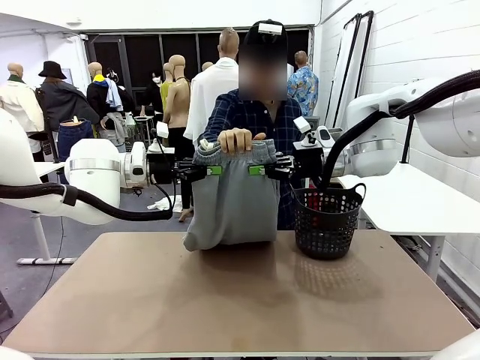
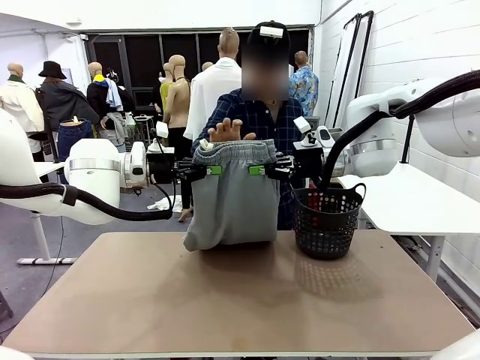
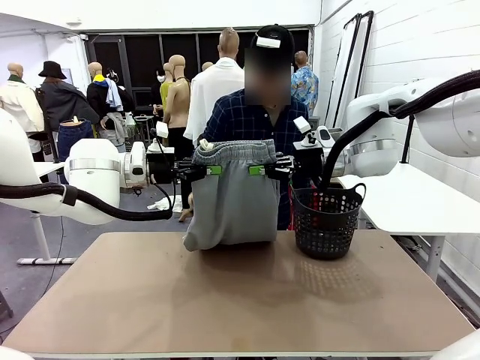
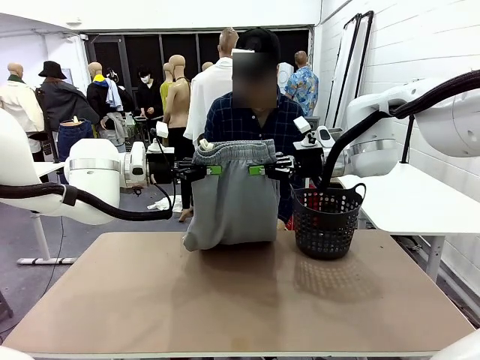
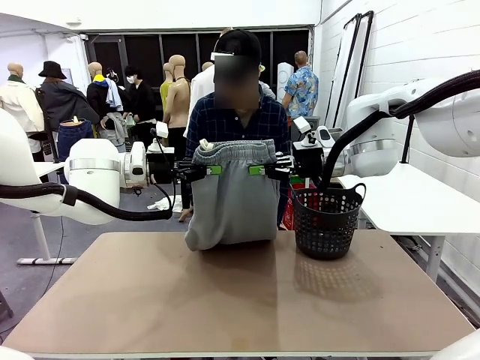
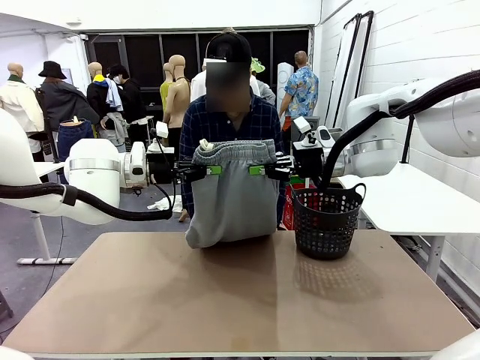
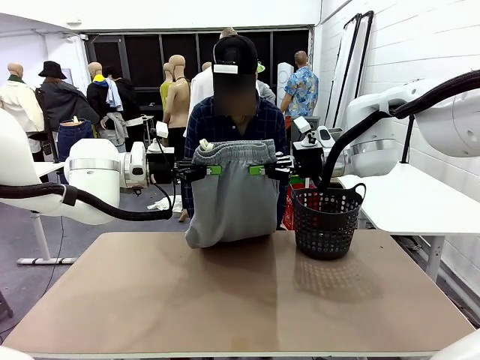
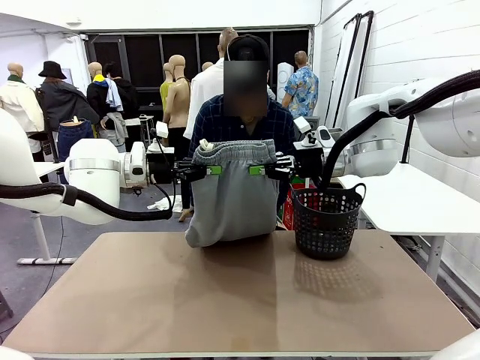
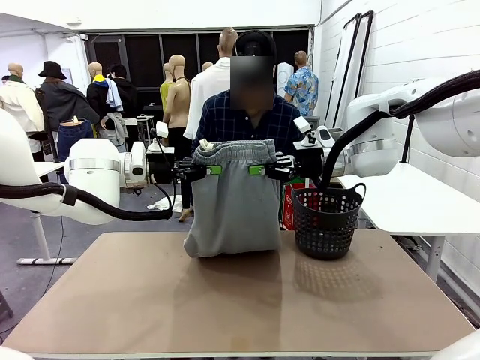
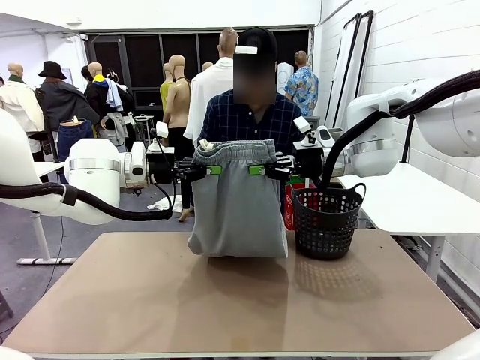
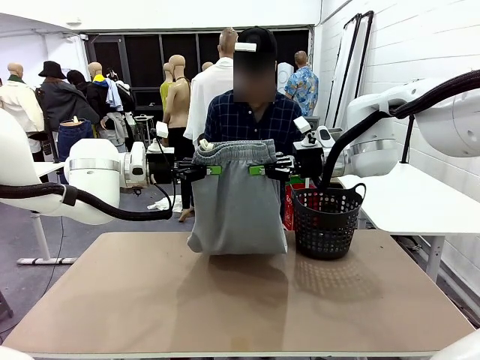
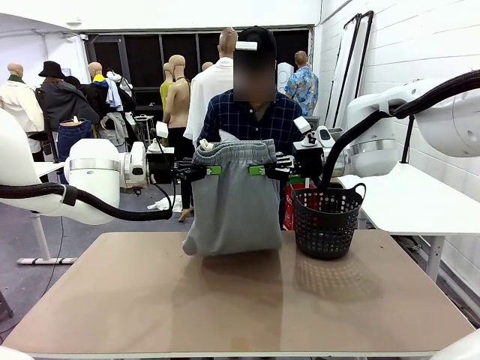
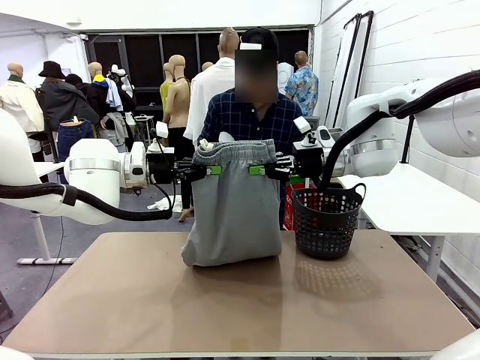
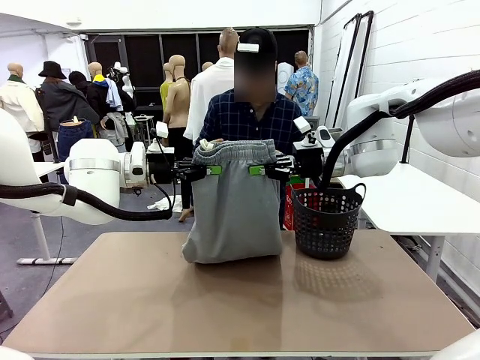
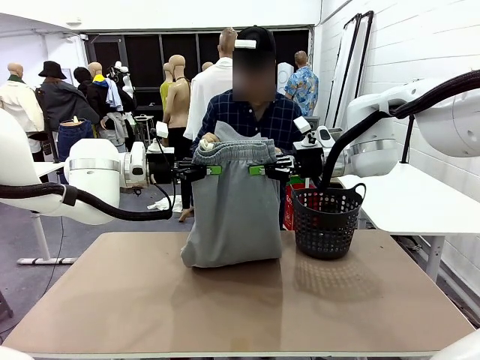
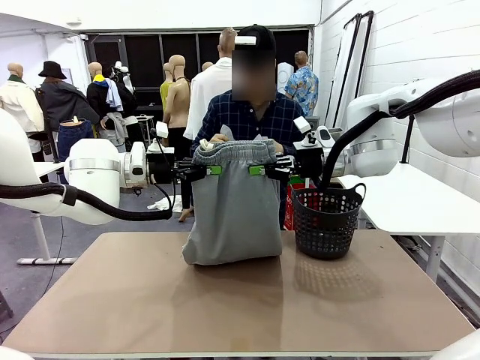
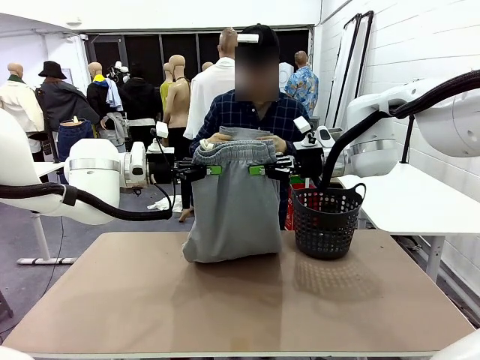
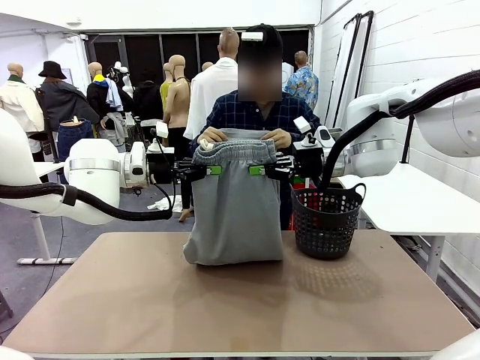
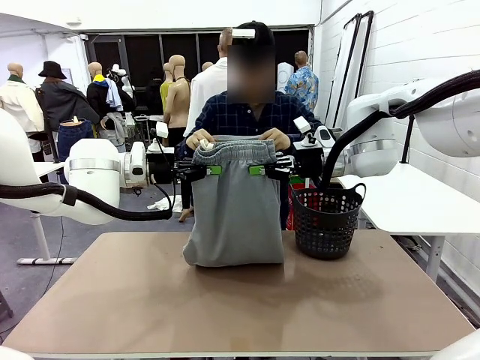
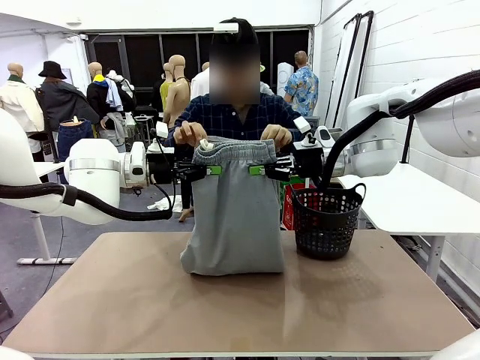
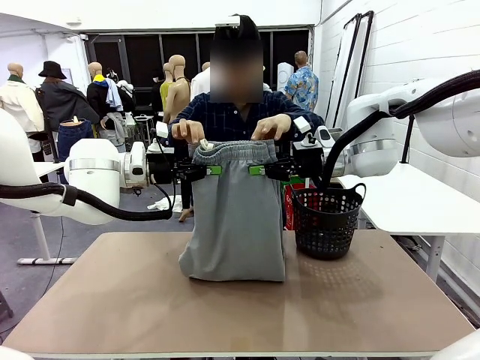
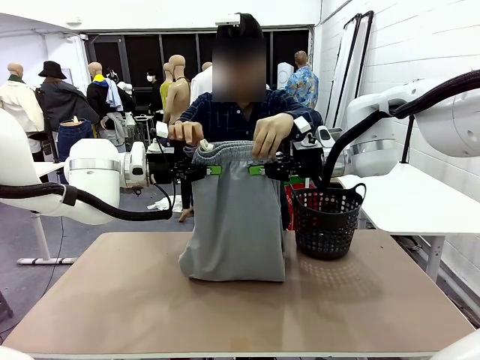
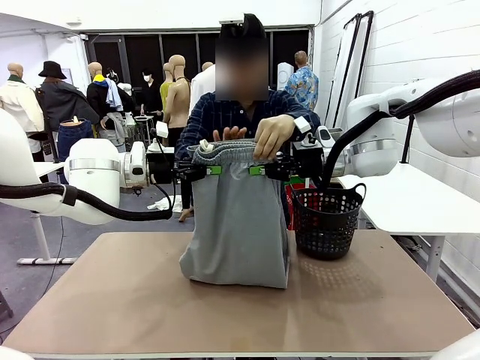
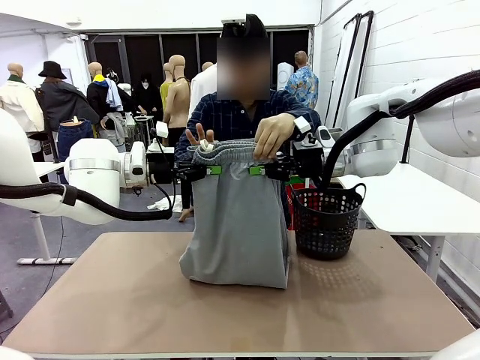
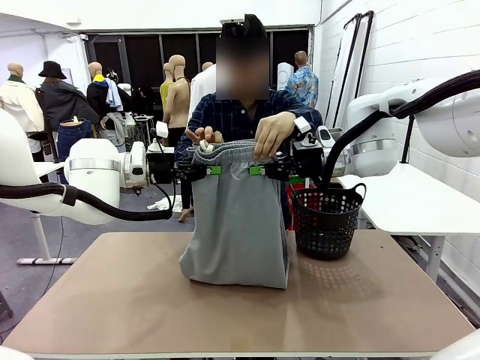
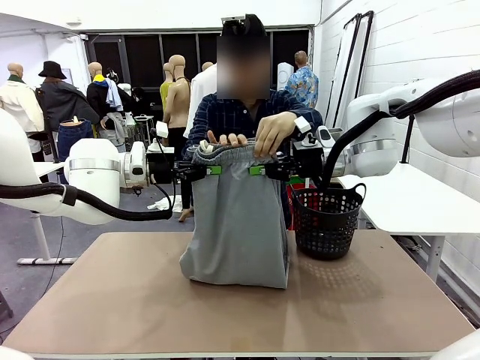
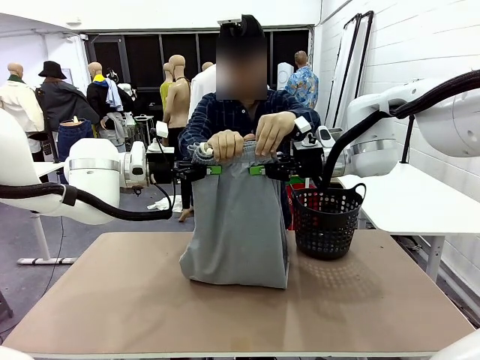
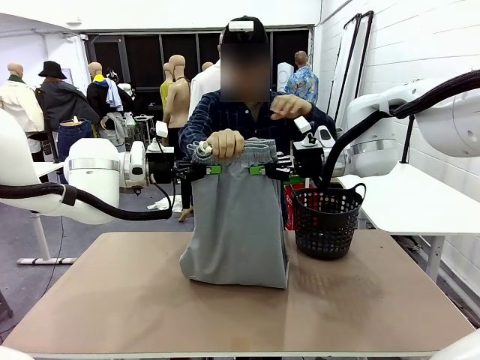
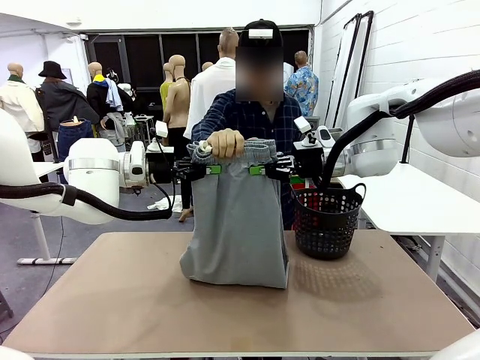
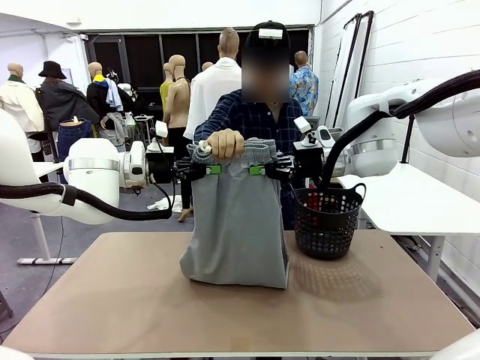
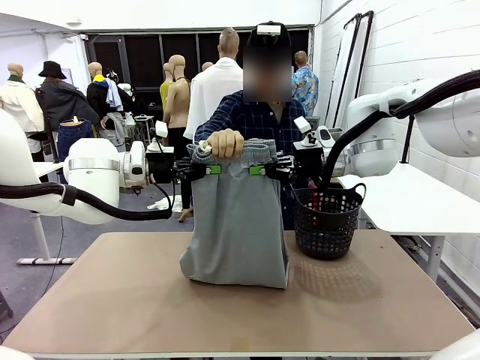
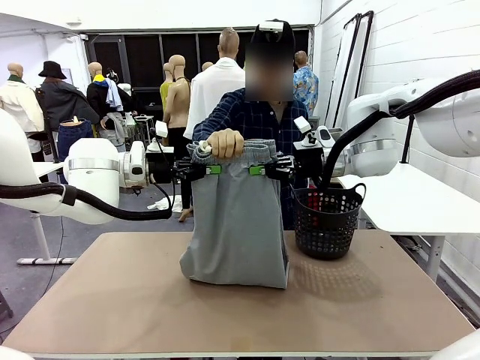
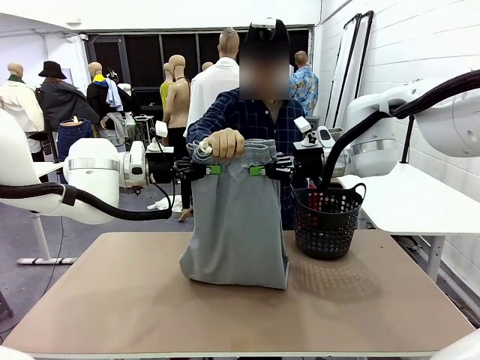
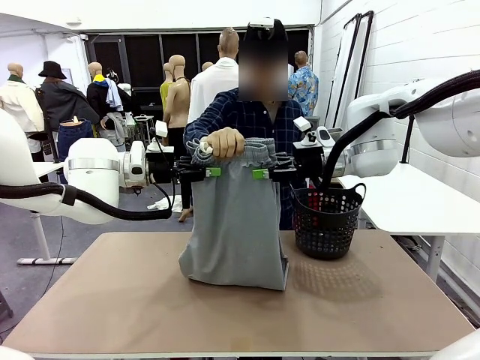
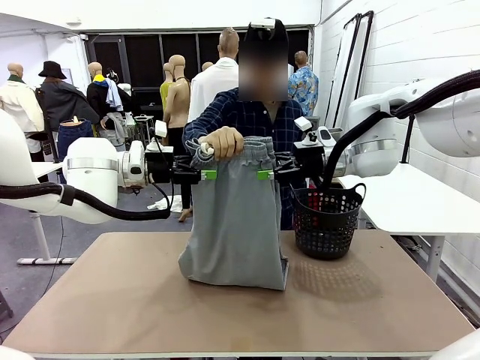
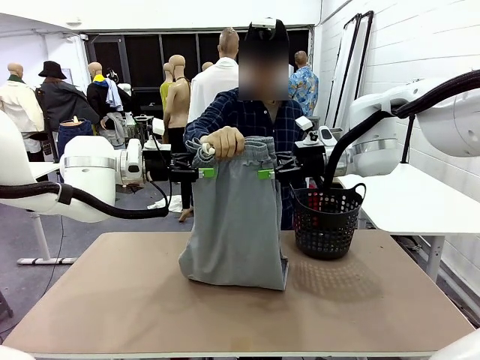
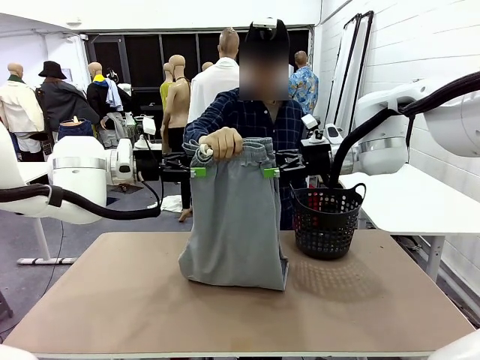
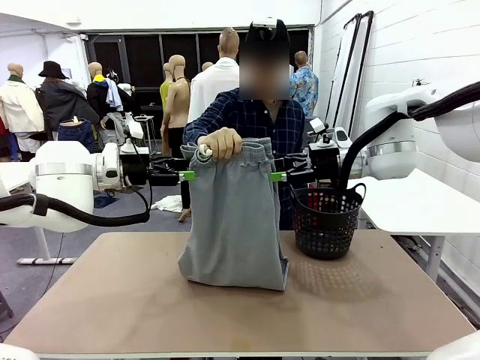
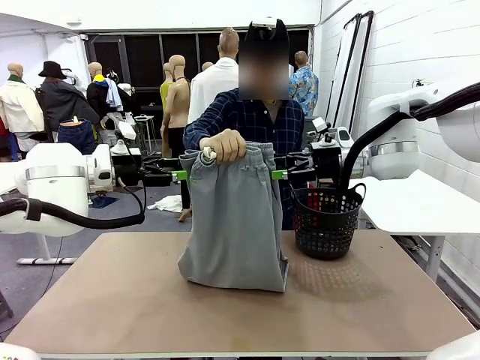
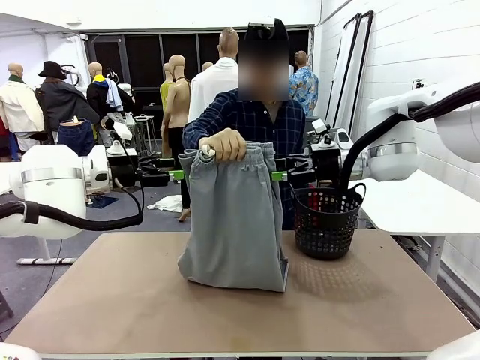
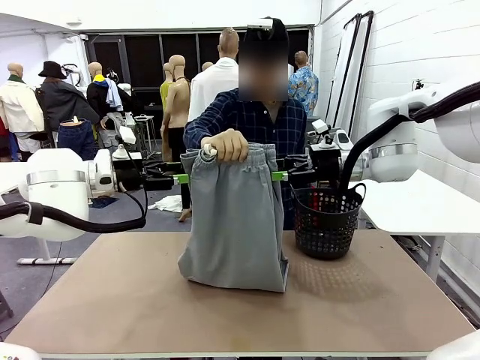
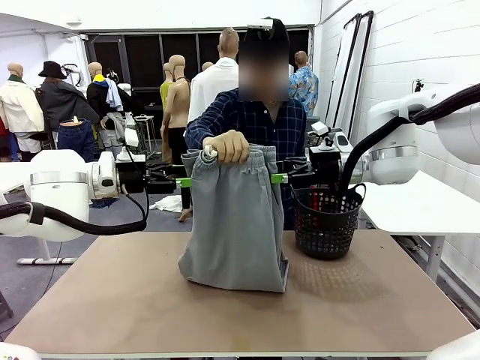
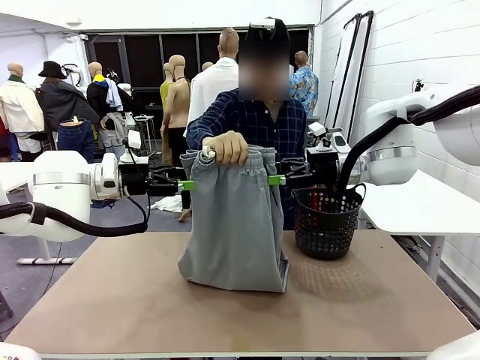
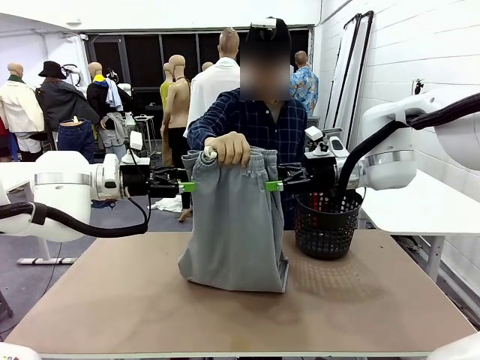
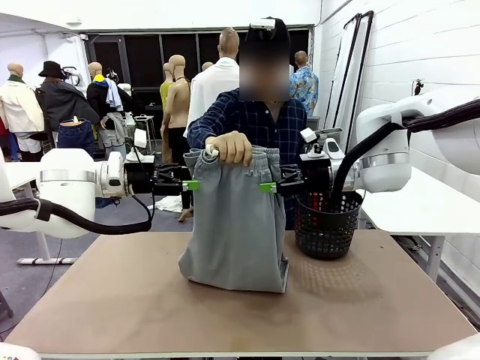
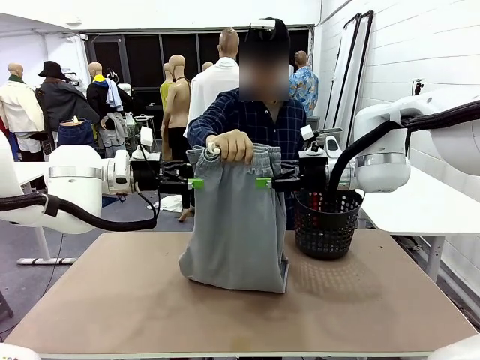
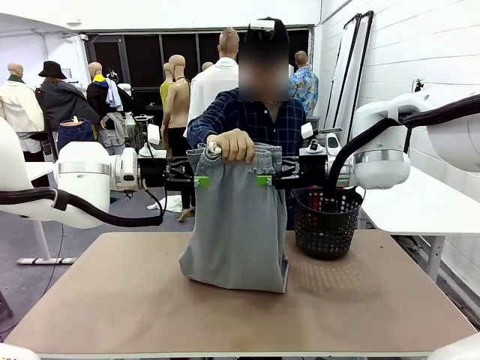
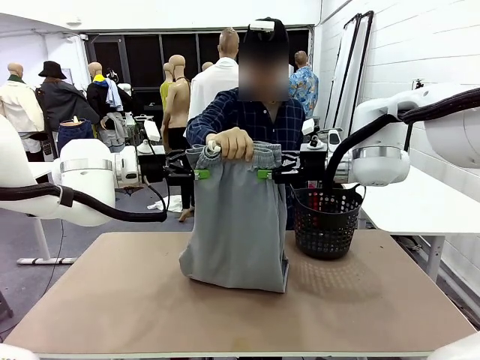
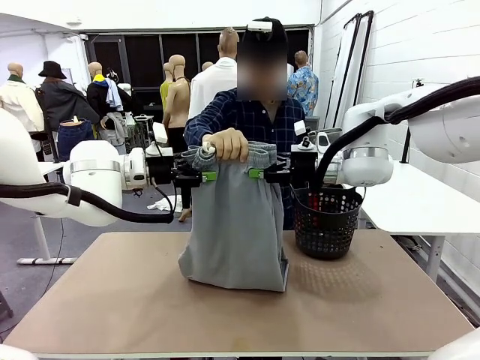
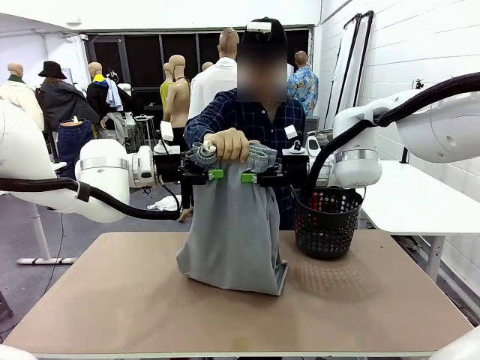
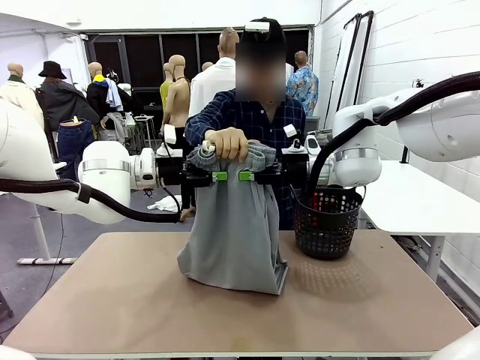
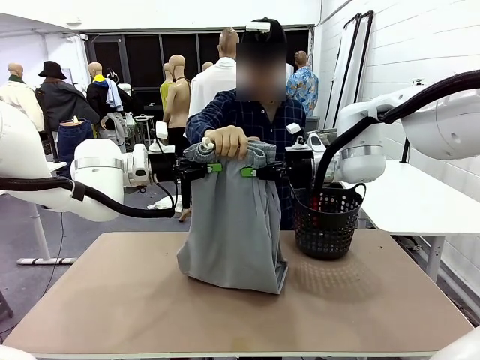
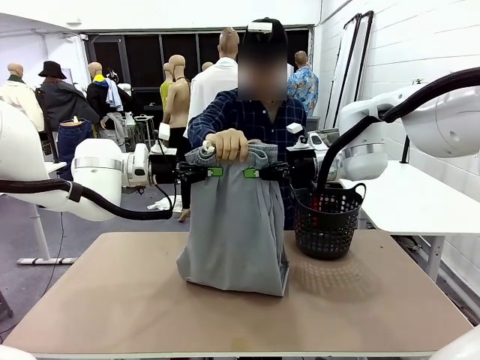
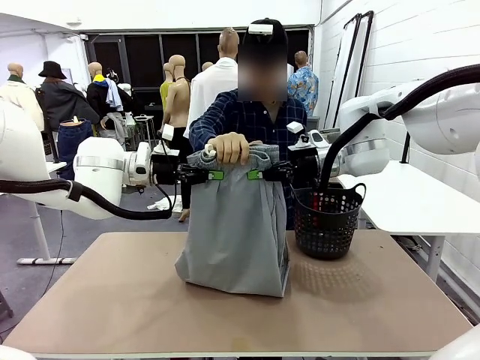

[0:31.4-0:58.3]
Task: Fold the training pants.
Robot: Release the ends of the Training pants and then grab the overlapped ends.
Person: Grasp the end opposite the point the robot is holding, fold the pants in half, and then grasp the overlapping top end of the folded pants. Release the pants you were holding.
